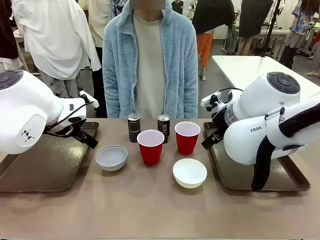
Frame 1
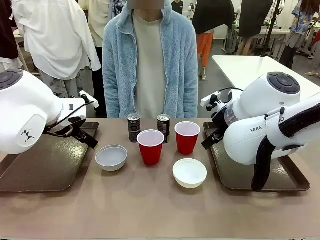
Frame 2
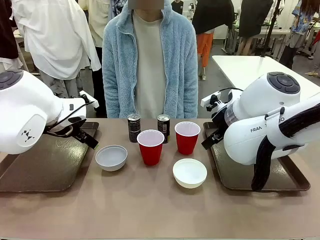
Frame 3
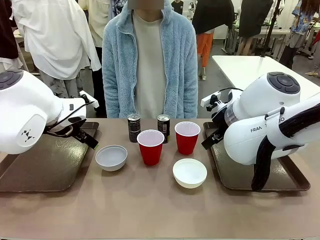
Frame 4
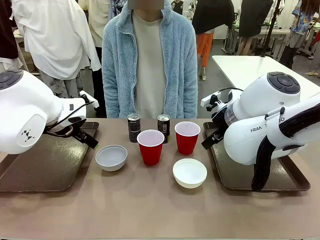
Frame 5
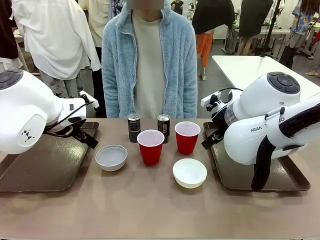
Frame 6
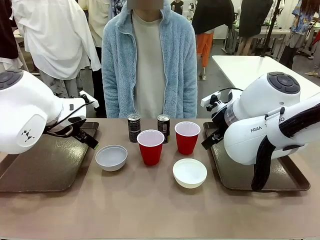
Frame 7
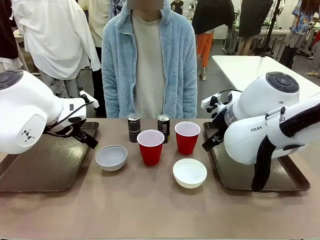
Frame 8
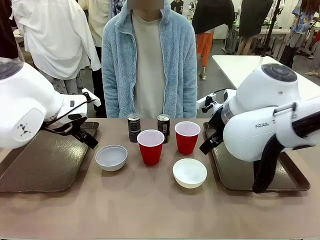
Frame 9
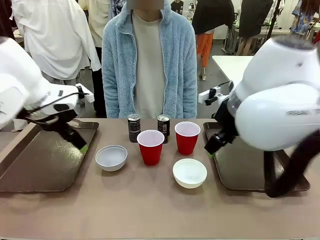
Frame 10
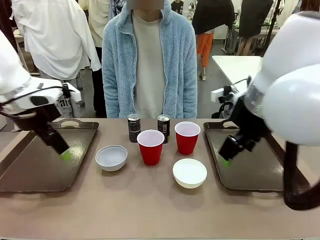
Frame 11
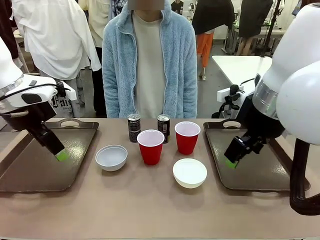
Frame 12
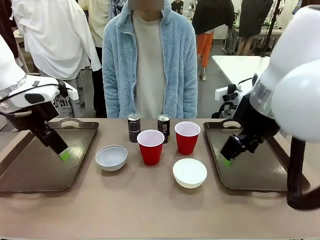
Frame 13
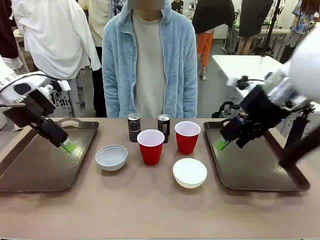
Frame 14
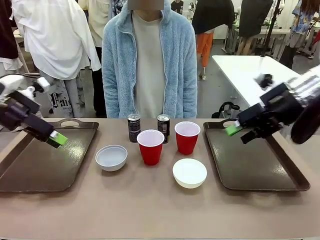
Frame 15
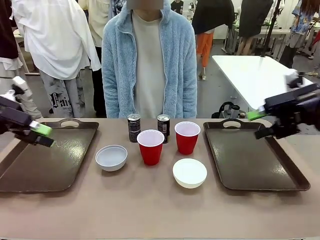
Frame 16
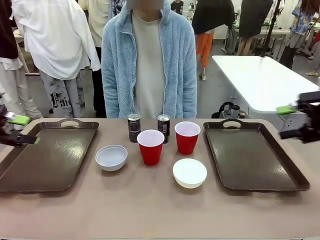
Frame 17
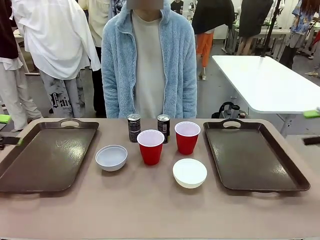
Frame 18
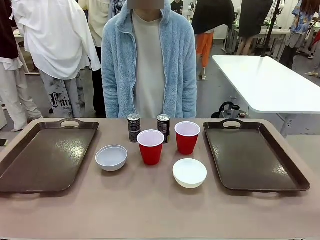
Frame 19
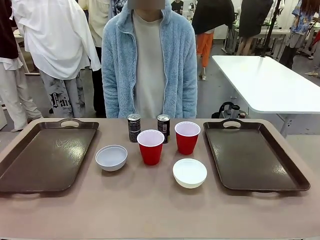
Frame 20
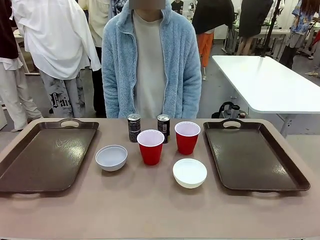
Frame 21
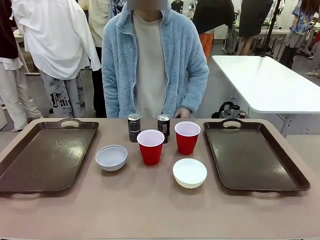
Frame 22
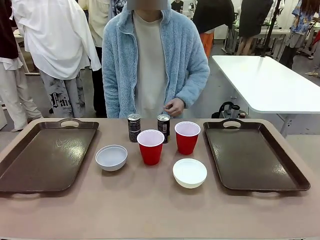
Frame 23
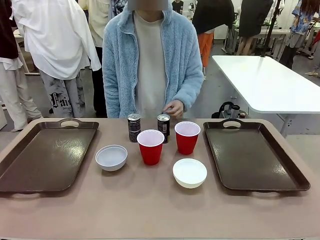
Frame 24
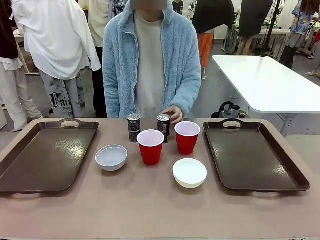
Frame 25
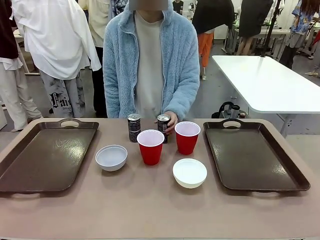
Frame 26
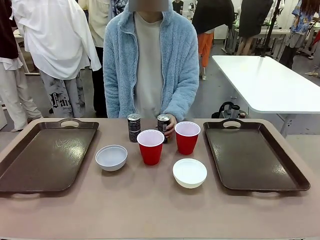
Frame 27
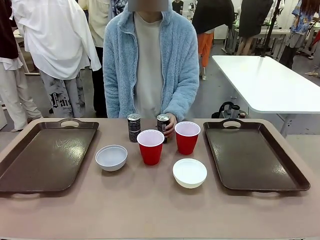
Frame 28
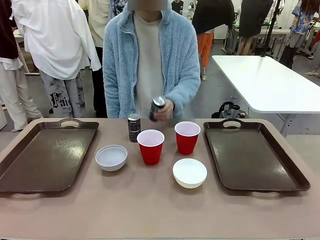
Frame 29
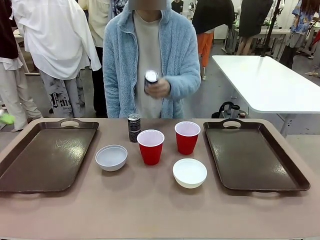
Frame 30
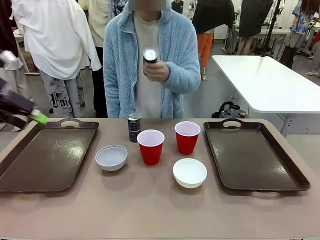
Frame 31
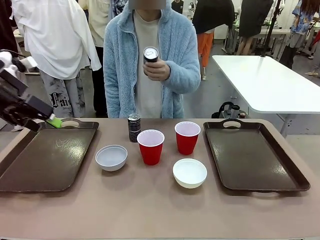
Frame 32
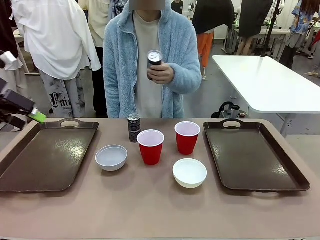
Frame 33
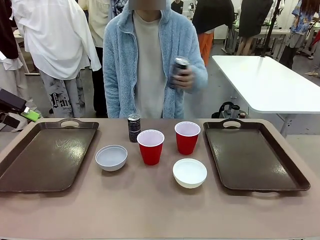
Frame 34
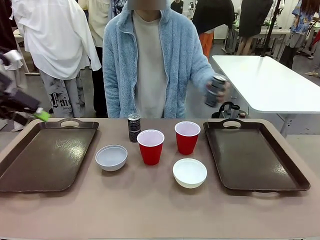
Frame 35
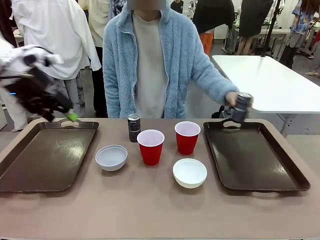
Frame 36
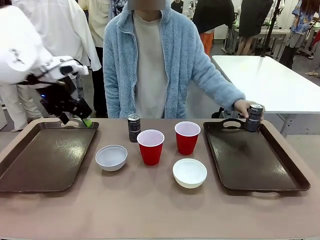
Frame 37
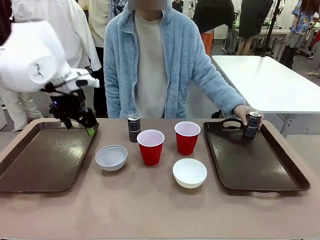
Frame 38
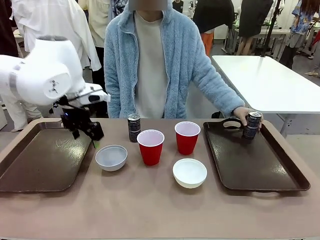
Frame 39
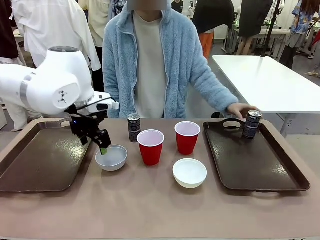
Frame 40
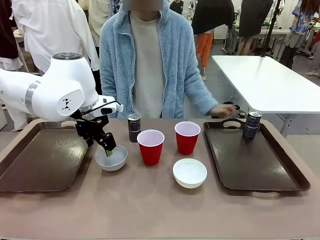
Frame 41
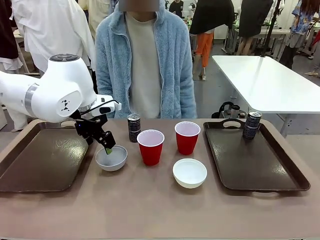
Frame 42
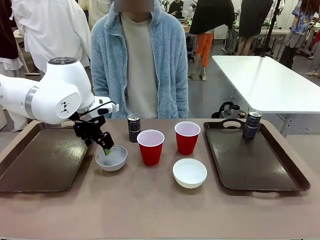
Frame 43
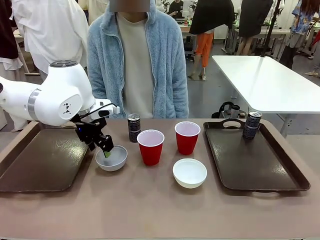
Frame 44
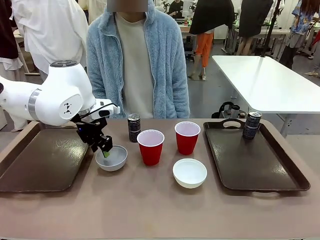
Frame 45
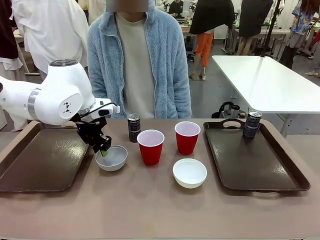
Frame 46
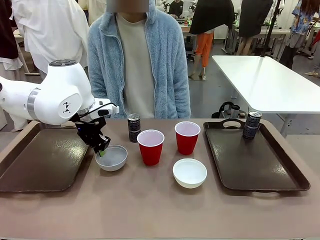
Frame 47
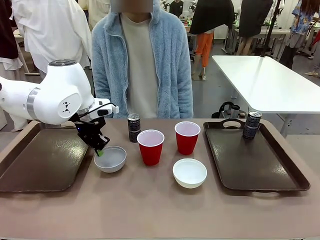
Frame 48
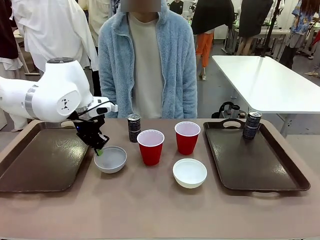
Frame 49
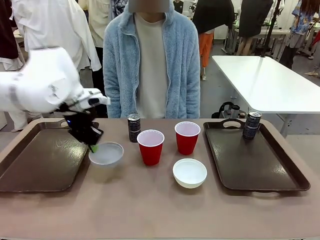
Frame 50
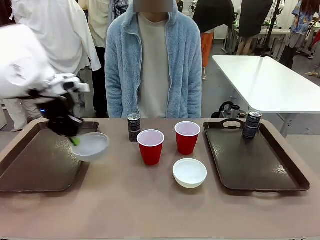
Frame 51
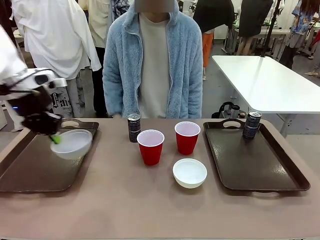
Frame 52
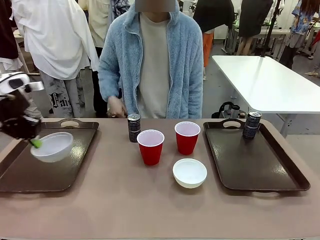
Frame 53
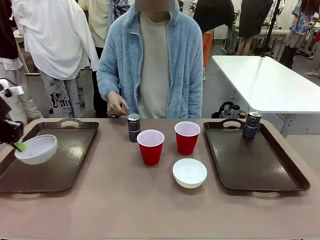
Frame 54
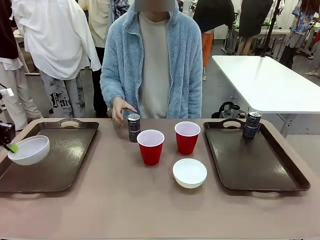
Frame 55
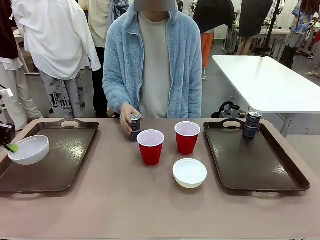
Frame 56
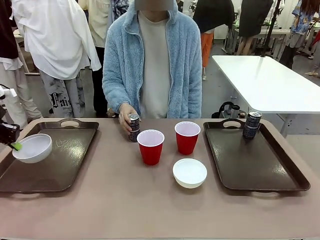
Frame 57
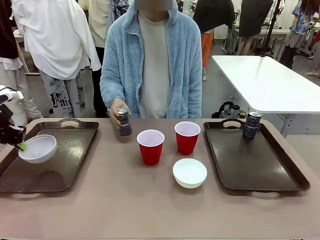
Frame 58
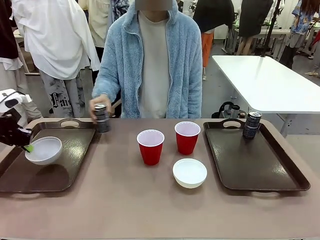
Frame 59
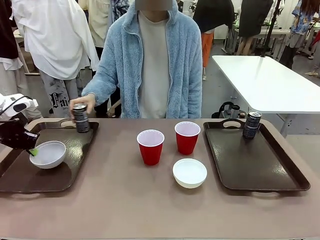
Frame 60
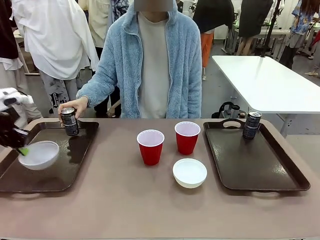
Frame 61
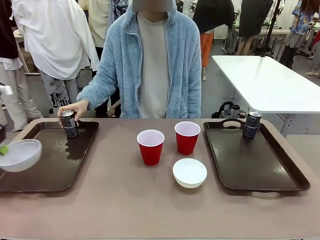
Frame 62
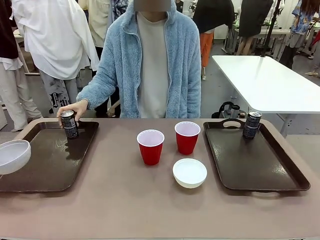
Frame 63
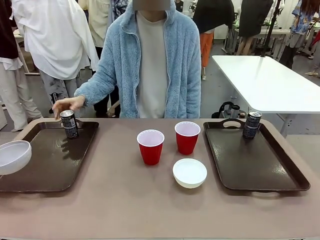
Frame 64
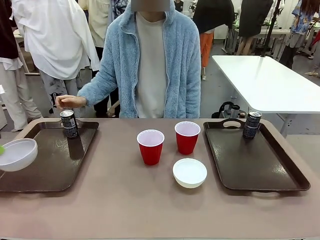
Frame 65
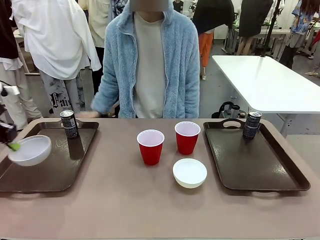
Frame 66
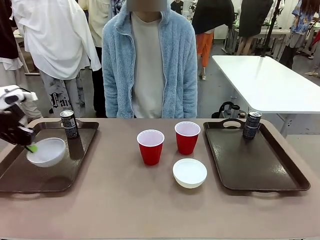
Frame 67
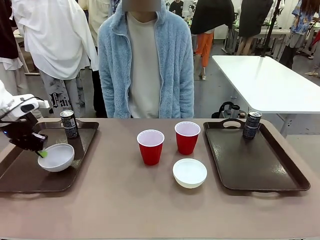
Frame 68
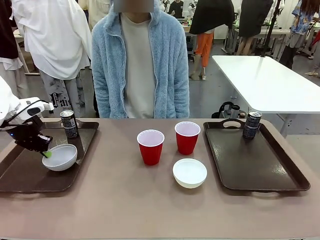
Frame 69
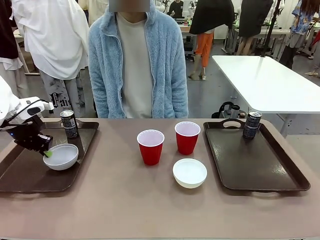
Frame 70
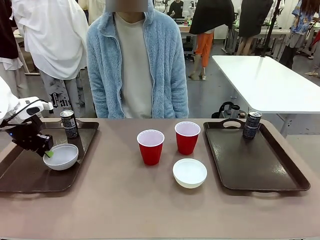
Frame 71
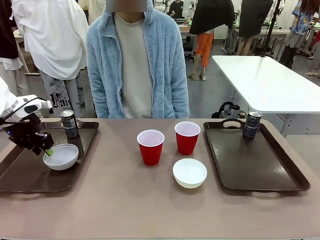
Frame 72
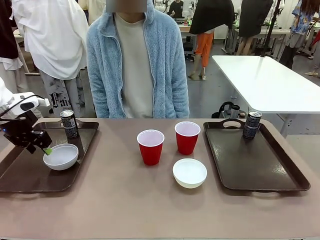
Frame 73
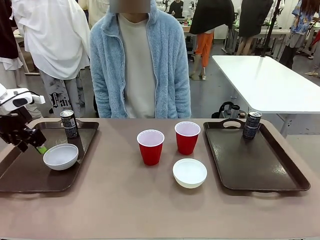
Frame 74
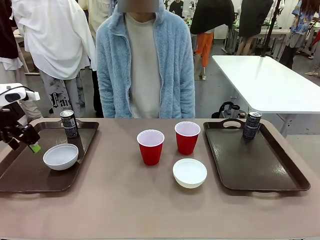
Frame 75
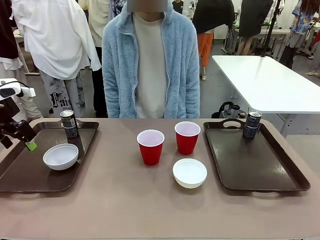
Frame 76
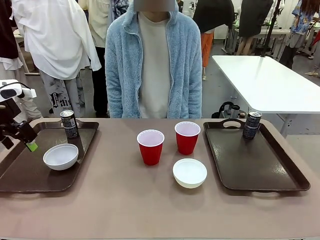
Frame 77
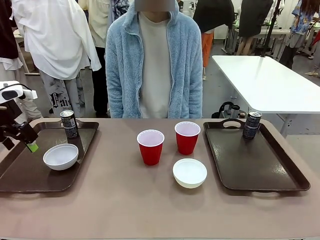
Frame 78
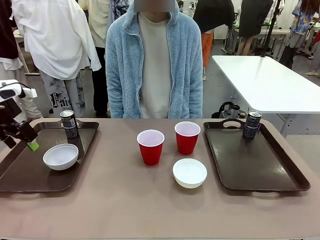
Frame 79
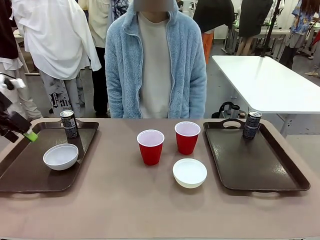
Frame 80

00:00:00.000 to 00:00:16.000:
Task: Prepare tableware on both trays.
Robot: Pick up a Picnic Bowl from the table and place it on a Handle tray.
Person: Pick up a can or cup and place it on the tray.

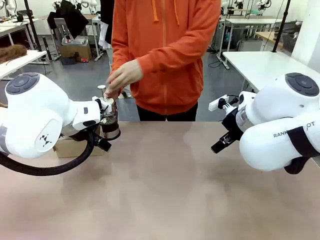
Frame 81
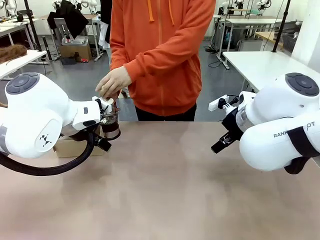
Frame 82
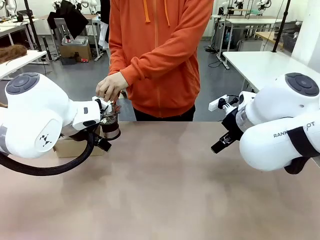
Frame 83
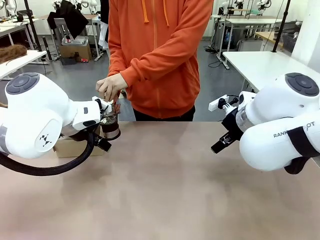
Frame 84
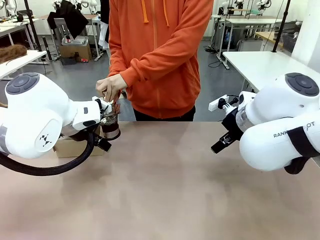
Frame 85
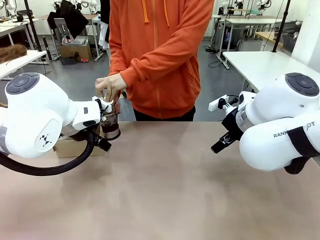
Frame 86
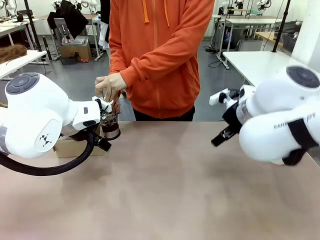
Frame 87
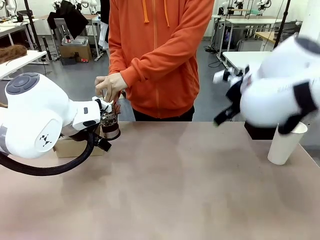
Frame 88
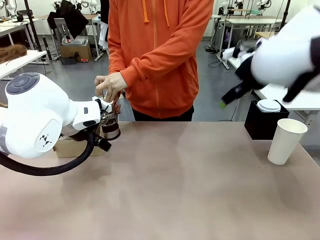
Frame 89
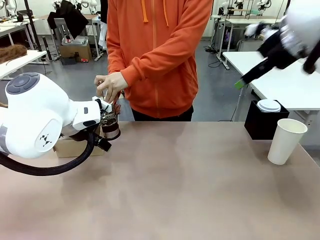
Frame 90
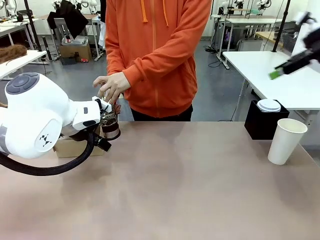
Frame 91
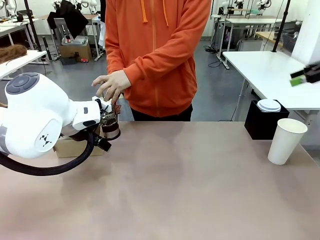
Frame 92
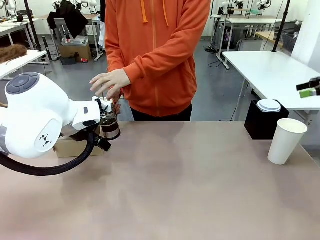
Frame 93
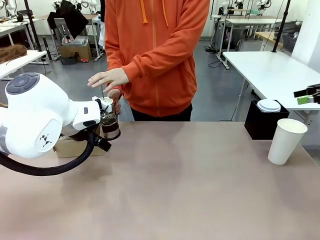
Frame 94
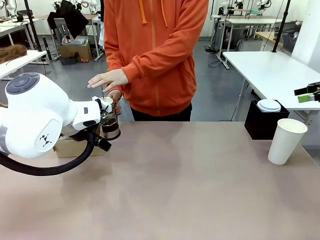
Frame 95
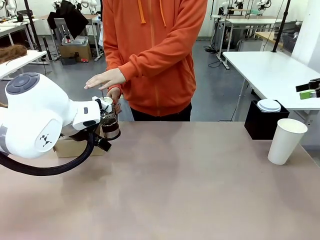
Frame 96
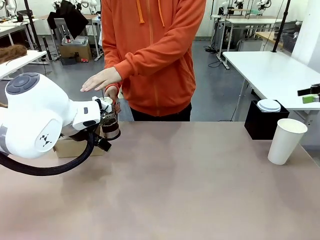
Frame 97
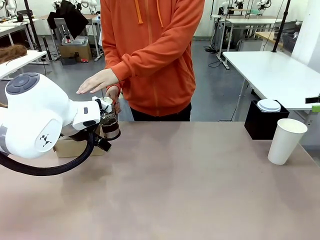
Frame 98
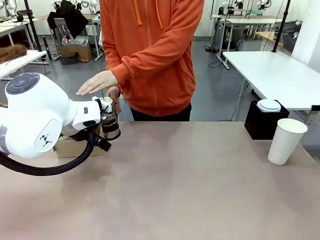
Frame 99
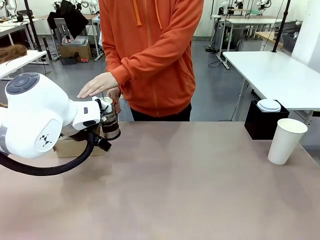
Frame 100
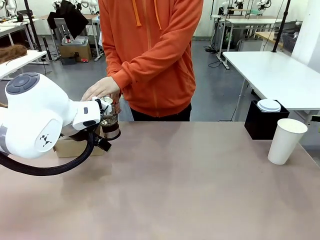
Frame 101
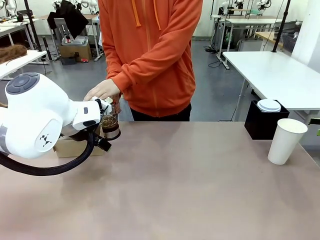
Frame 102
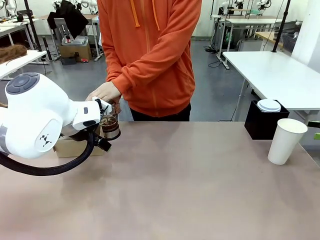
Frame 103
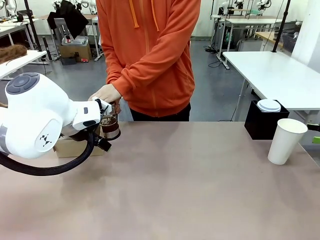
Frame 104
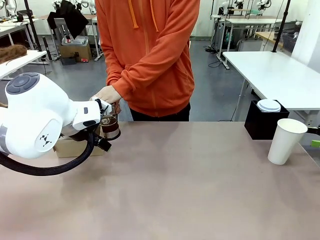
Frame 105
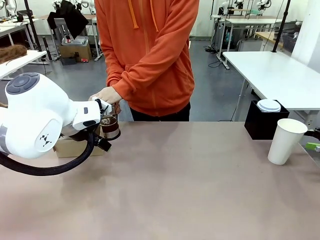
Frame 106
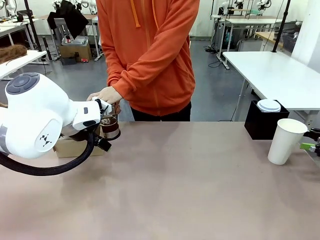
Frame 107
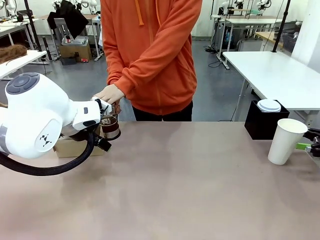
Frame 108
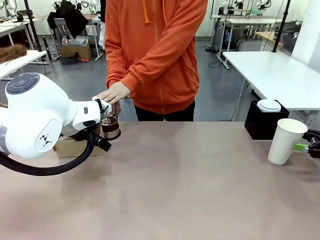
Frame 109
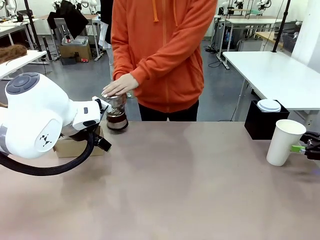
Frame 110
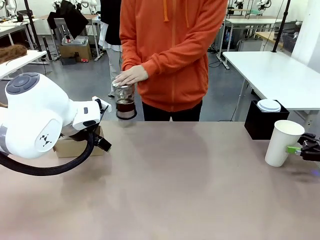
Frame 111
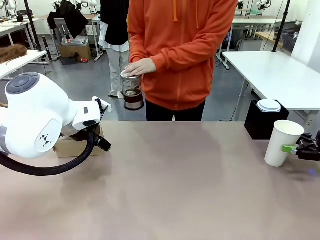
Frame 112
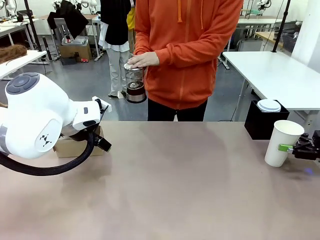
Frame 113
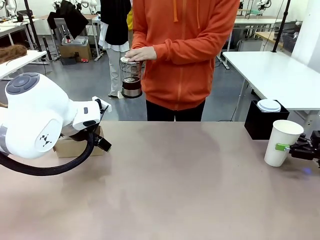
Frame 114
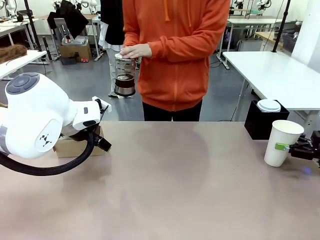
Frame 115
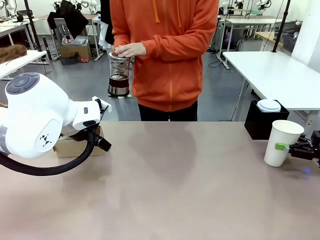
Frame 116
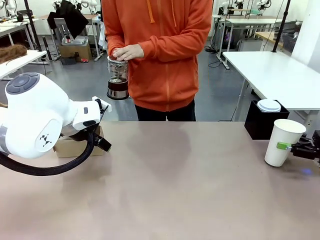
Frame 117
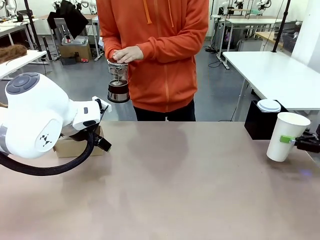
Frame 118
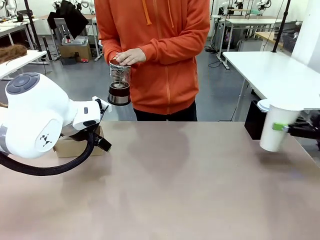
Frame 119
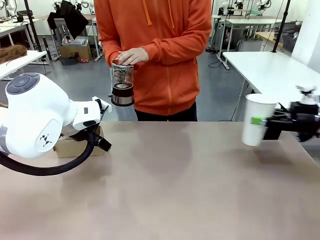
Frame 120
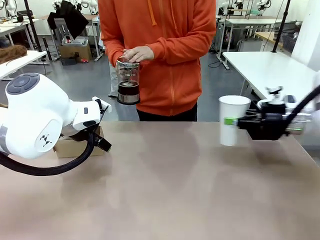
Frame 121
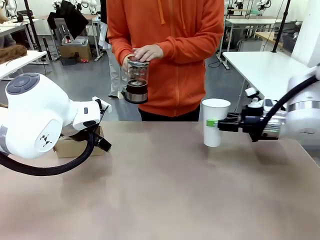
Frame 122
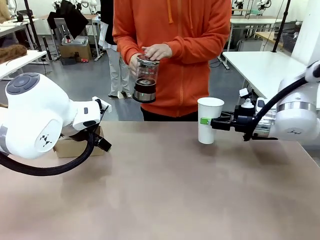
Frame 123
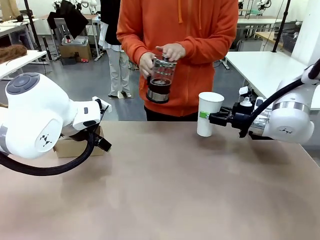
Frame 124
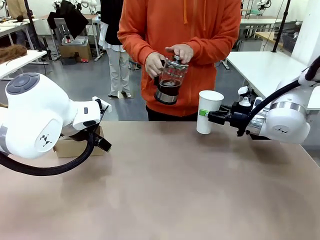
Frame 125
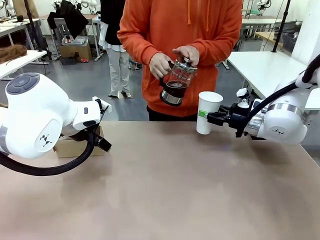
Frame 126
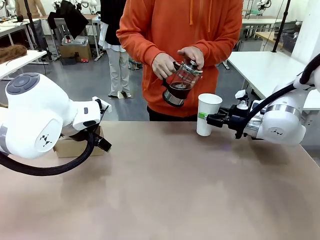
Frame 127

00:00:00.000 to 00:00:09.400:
Task: Pour a drink into a cup and package it in a carrier.
Robot: Pick up the 600 ml Paper Cup and place it in the middle top area of the table.
Person: Press and pick up the Filter Brewing.
